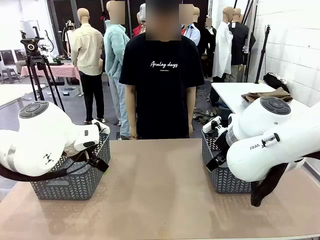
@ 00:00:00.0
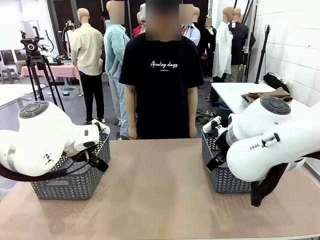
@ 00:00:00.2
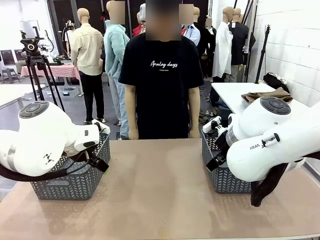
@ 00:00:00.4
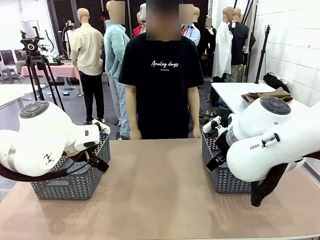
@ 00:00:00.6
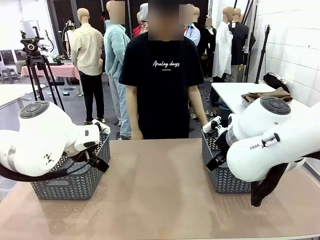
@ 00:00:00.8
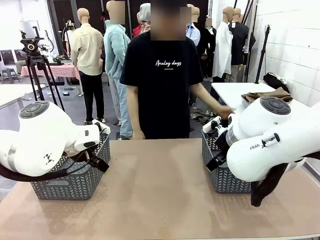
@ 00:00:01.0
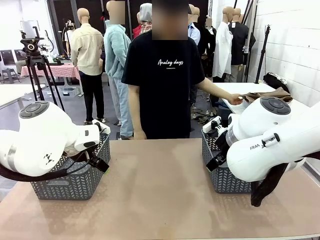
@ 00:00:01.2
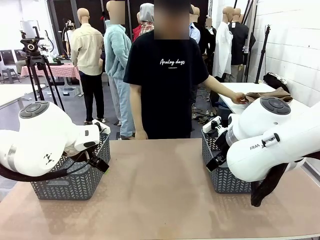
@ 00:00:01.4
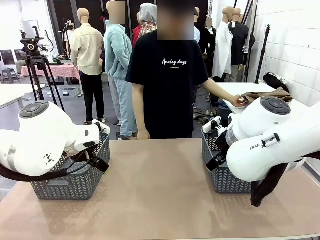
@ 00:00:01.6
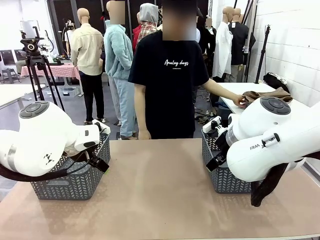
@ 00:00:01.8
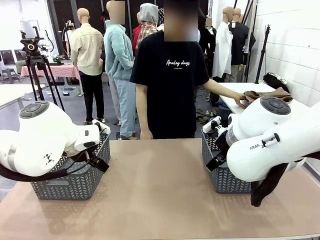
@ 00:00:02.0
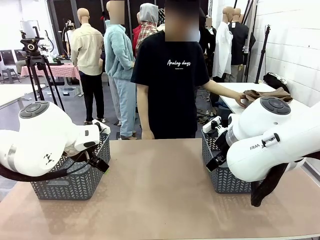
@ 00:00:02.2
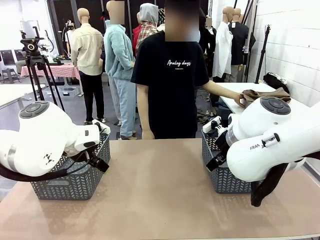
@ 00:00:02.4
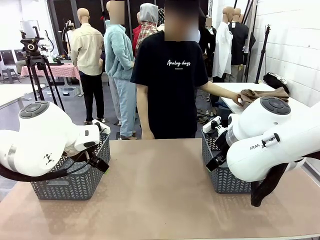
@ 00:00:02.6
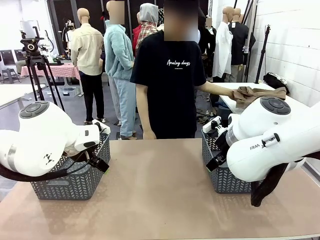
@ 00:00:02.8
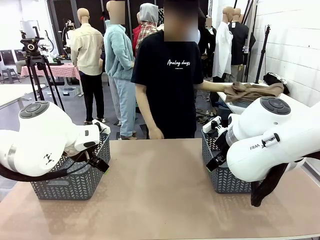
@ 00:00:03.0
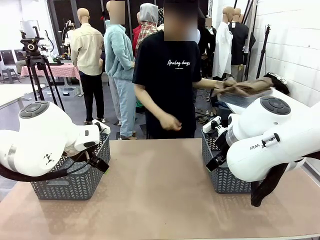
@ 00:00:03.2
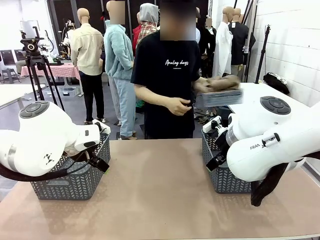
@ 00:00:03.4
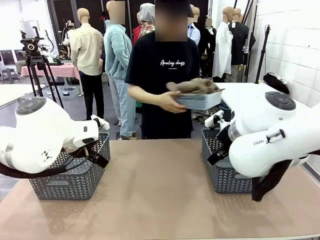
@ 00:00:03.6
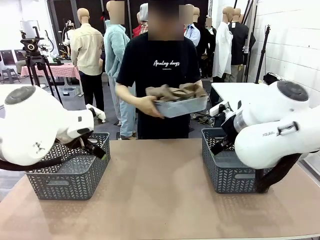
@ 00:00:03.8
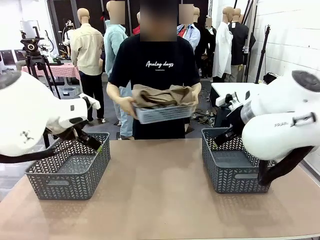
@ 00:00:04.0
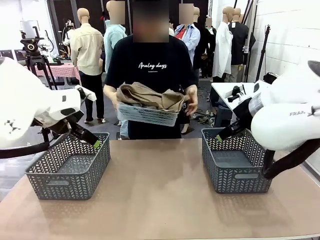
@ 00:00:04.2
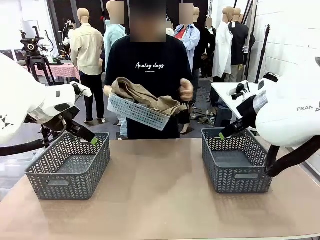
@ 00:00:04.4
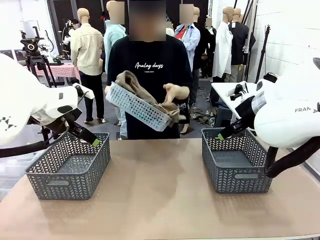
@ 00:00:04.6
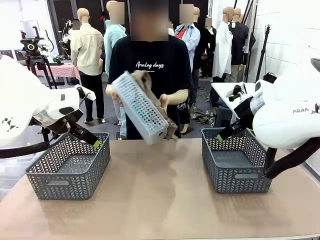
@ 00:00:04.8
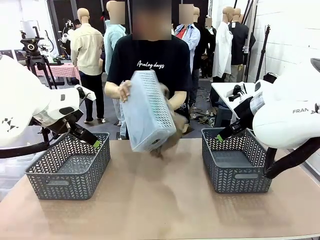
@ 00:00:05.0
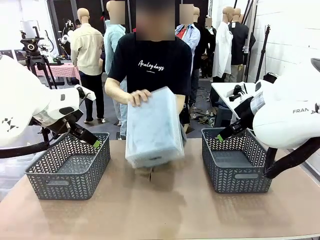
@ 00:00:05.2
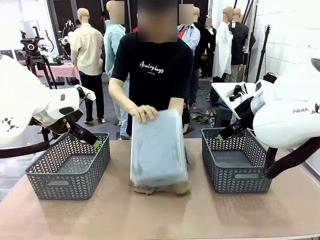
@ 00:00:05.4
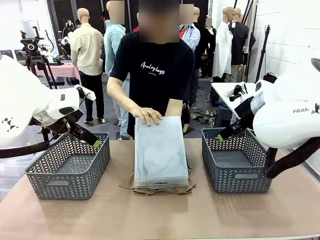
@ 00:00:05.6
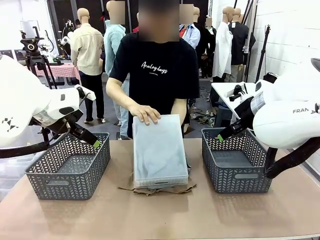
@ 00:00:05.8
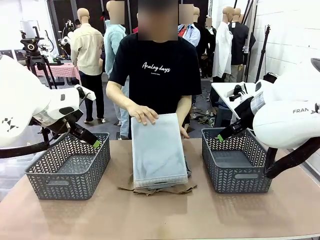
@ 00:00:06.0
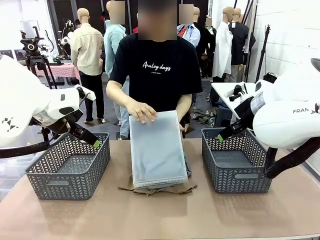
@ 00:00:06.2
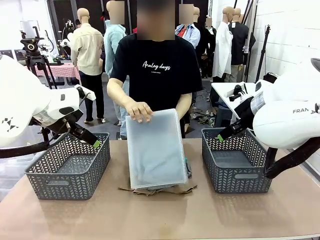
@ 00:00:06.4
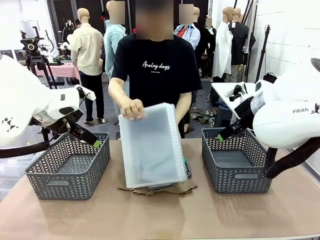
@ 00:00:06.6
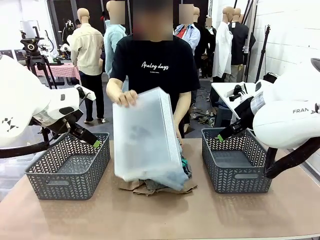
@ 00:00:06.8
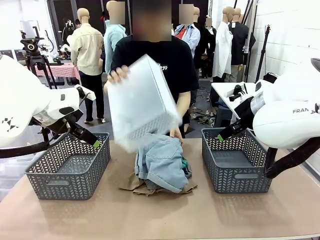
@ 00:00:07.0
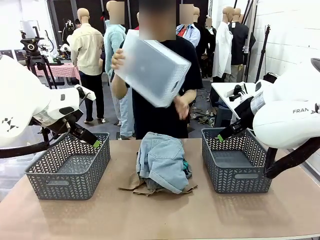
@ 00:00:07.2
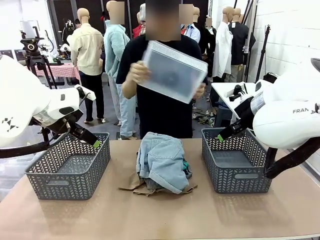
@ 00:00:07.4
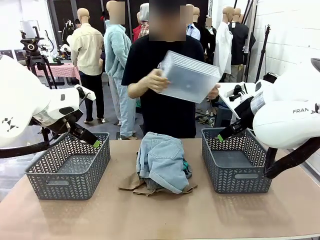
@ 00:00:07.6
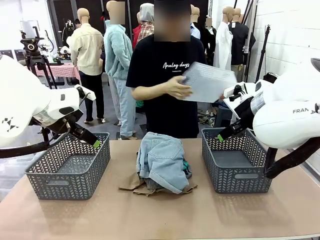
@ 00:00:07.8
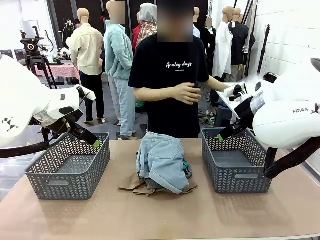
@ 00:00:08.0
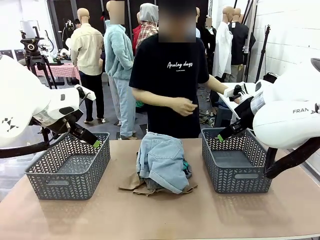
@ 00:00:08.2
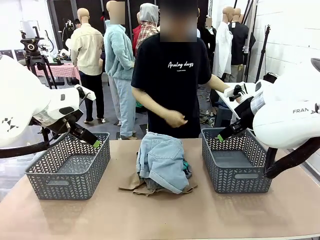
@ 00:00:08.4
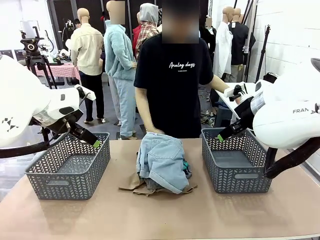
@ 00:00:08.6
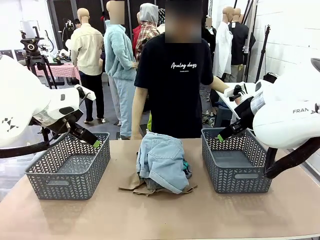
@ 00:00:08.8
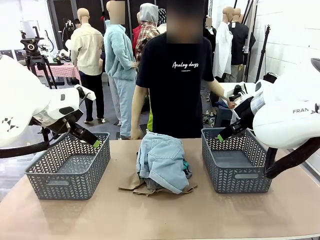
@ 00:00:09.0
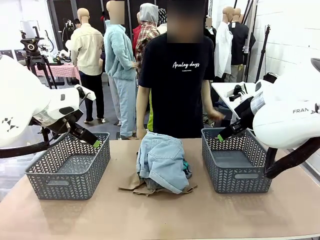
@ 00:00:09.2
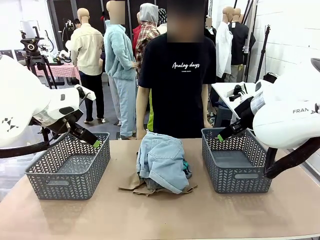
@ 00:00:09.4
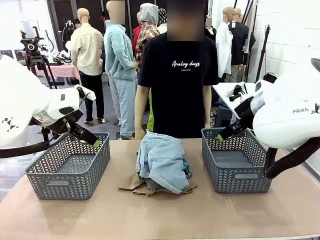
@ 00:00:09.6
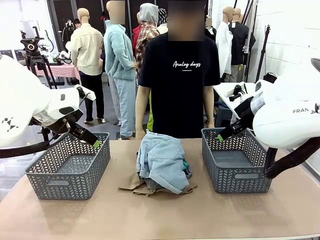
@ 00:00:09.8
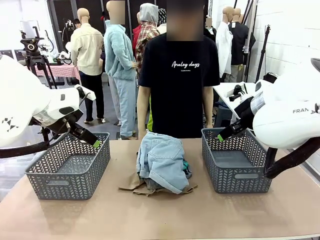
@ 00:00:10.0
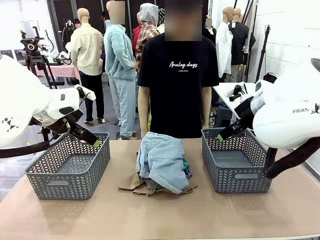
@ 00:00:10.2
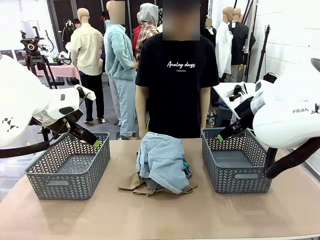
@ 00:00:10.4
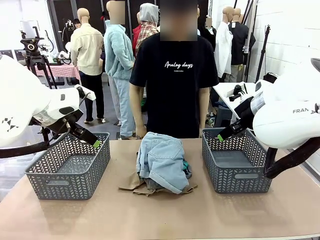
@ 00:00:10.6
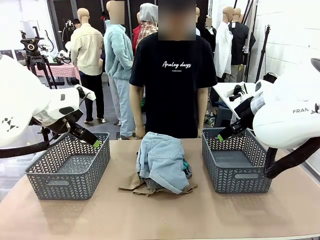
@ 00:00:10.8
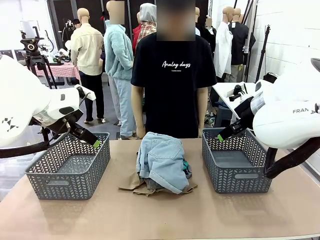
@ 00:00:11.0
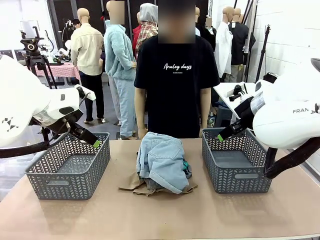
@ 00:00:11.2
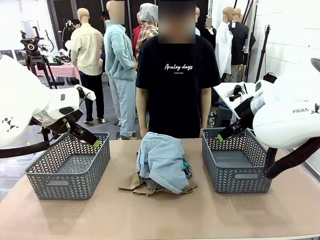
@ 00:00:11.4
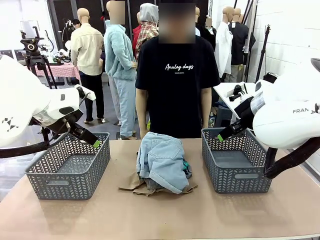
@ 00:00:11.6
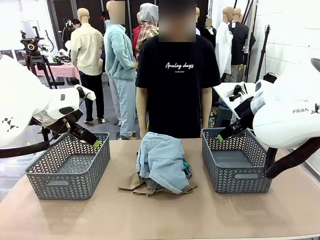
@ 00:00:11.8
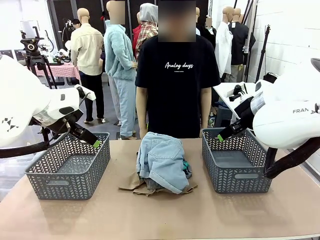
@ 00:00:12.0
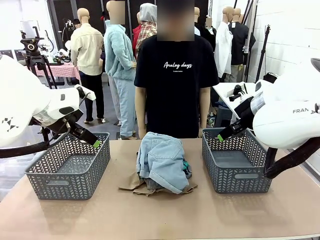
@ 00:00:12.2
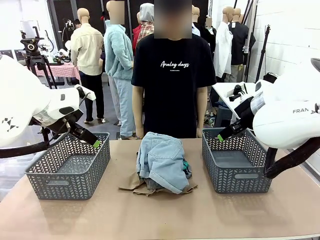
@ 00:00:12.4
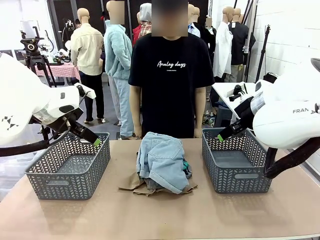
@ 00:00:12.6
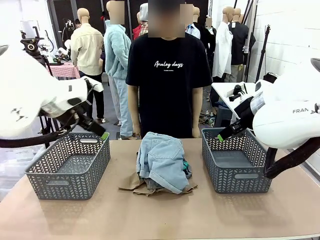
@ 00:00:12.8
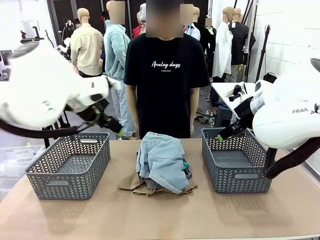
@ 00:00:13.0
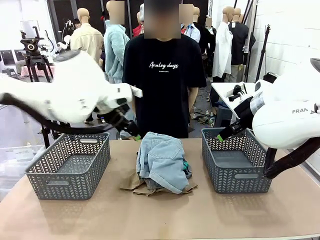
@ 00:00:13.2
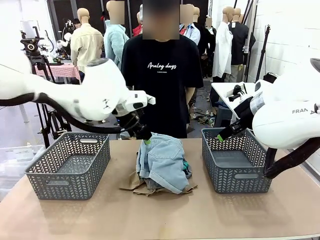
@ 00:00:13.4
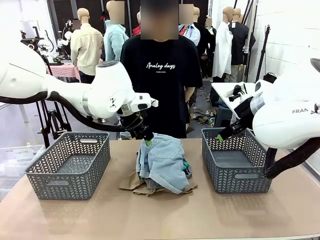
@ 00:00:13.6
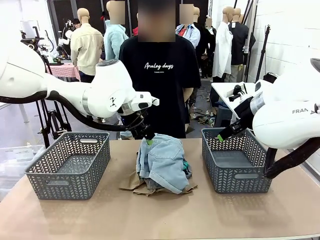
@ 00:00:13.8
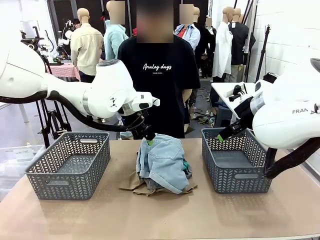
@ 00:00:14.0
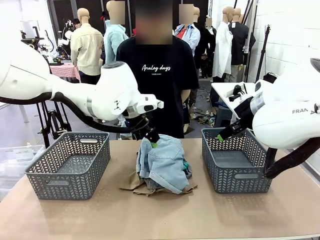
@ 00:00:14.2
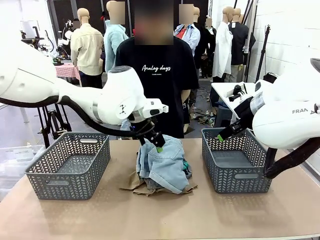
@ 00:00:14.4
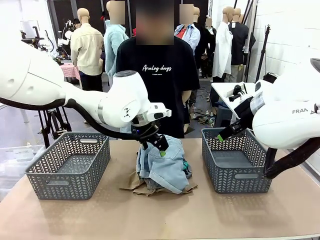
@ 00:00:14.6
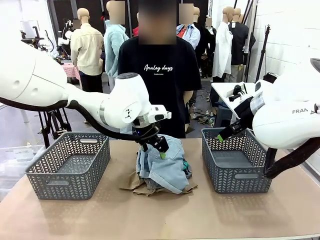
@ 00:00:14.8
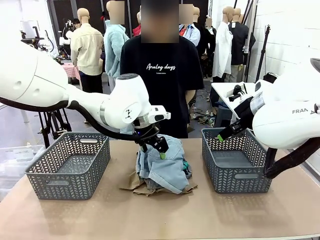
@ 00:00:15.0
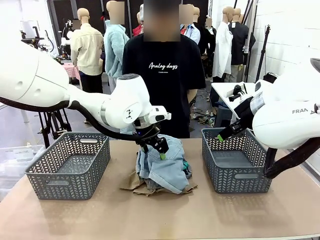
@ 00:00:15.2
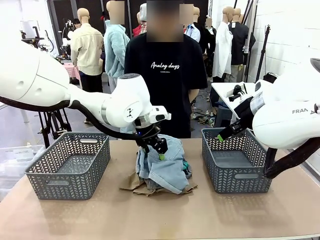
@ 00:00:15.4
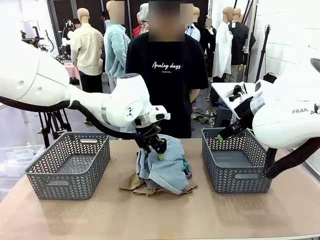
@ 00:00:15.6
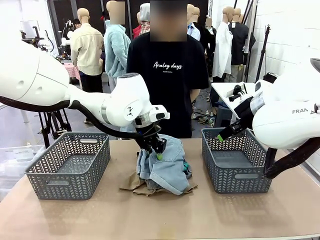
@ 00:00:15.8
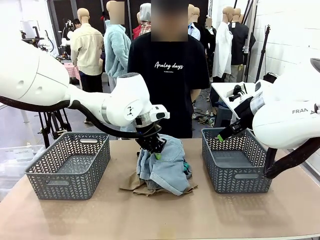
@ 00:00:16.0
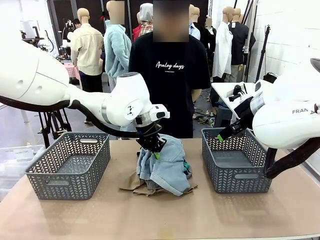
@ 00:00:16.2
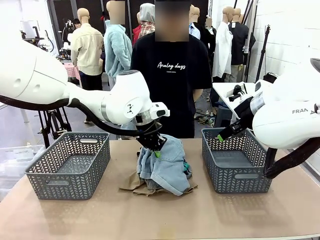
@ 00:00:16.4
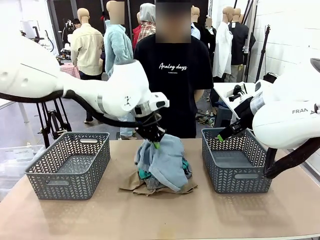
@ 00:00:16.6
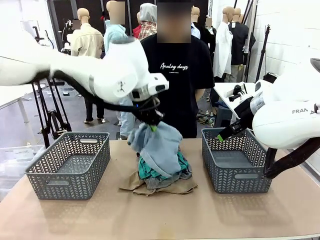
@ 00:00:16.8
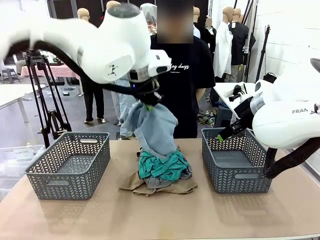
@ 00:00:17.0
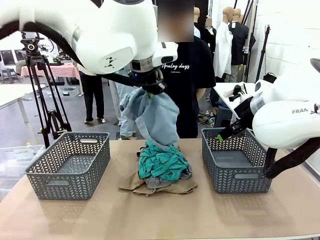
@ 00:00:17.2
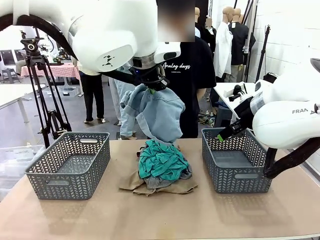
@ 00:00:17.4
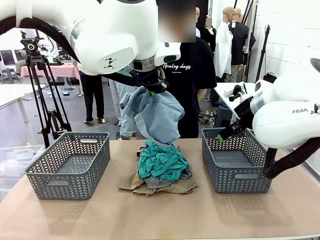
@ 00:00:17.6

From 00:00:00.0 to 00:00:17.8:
Task: Sort the tops and bottoms.
Robot: Lift clothes from the center of the table with your left hand.
Person: Pour the clothes from the basket onto the center of the robot table.
